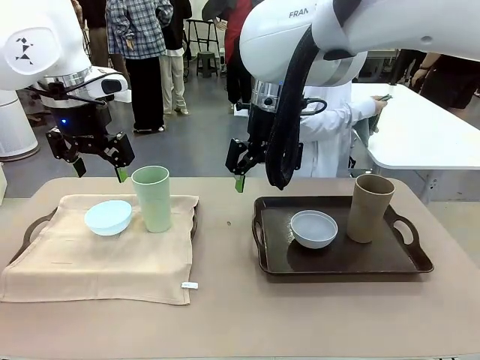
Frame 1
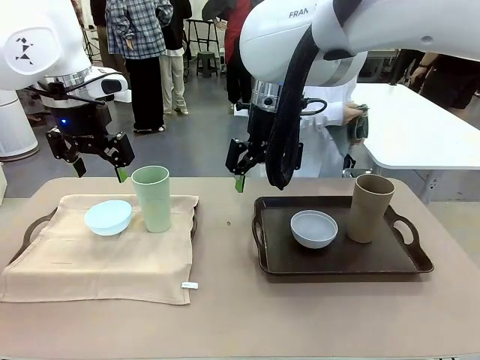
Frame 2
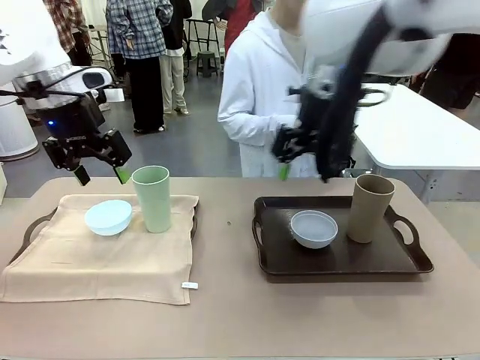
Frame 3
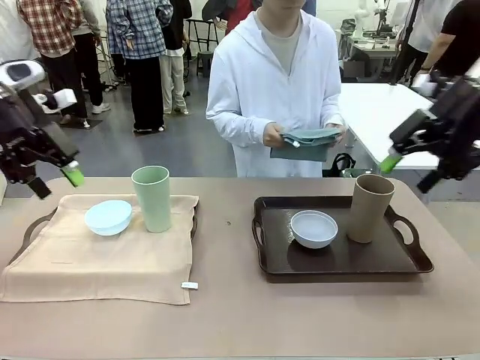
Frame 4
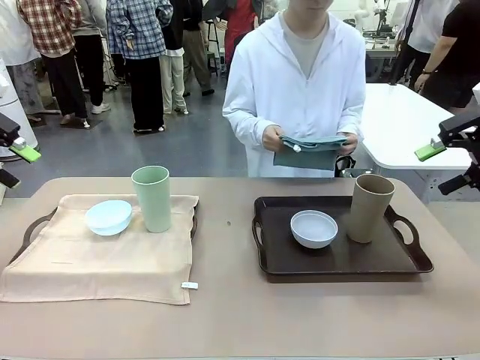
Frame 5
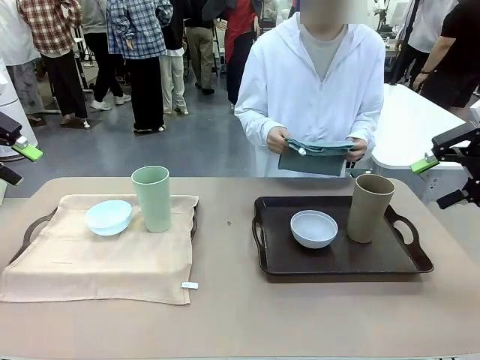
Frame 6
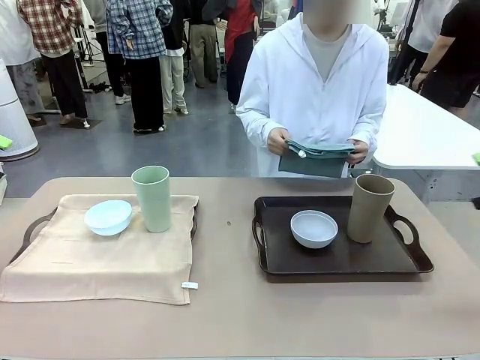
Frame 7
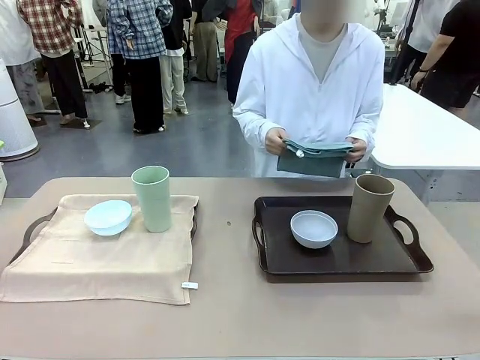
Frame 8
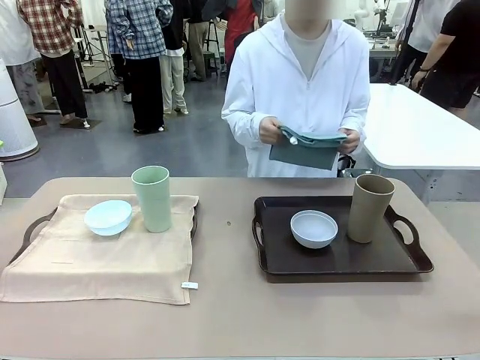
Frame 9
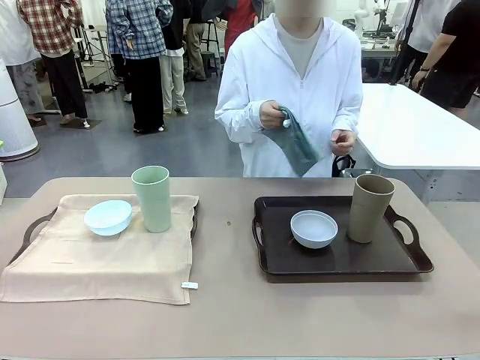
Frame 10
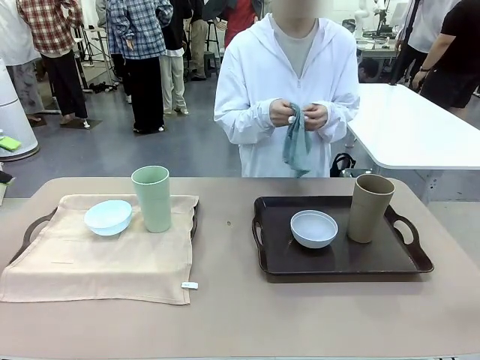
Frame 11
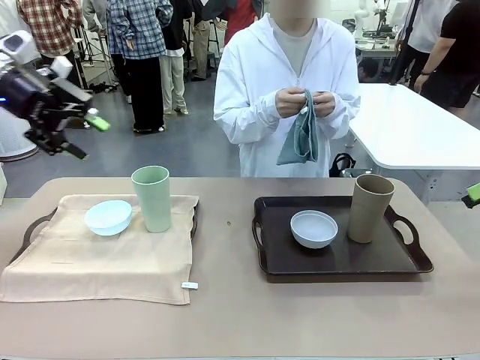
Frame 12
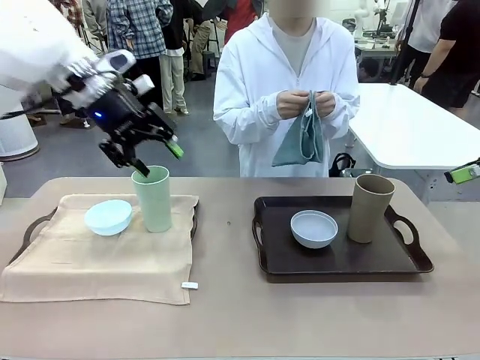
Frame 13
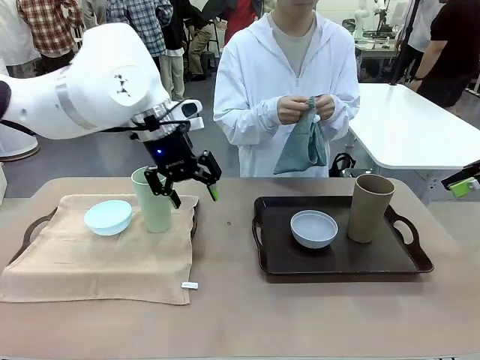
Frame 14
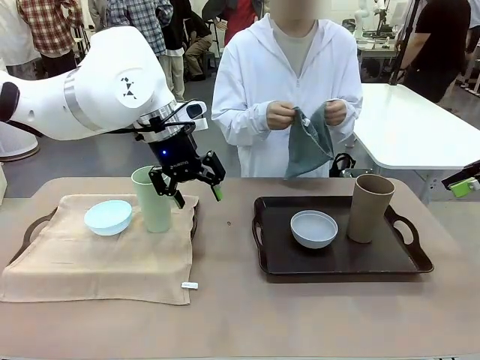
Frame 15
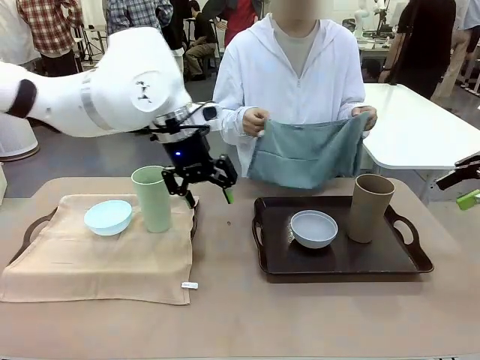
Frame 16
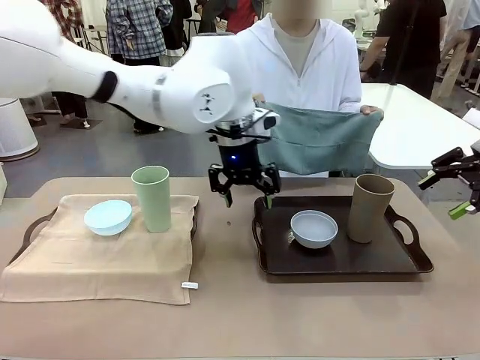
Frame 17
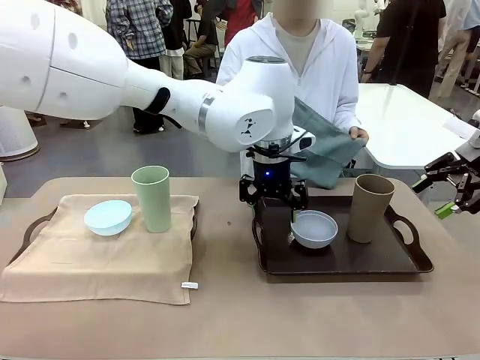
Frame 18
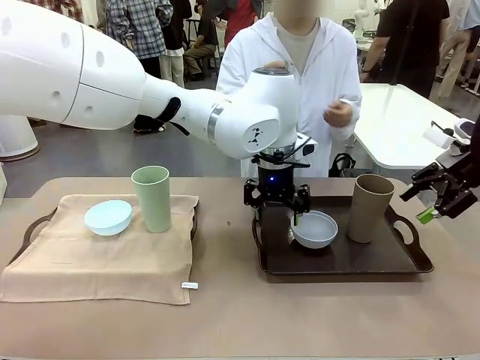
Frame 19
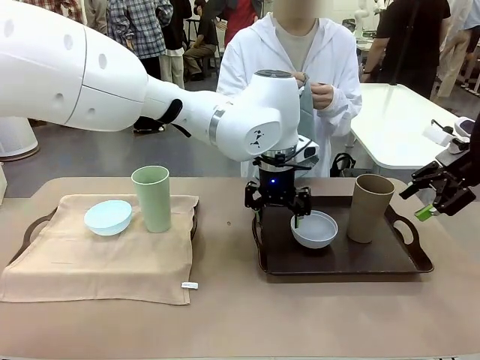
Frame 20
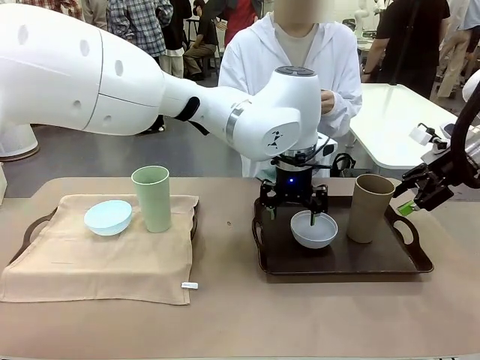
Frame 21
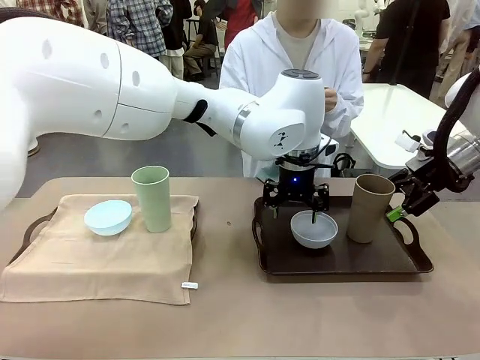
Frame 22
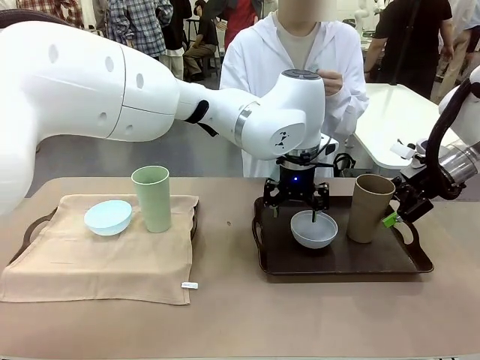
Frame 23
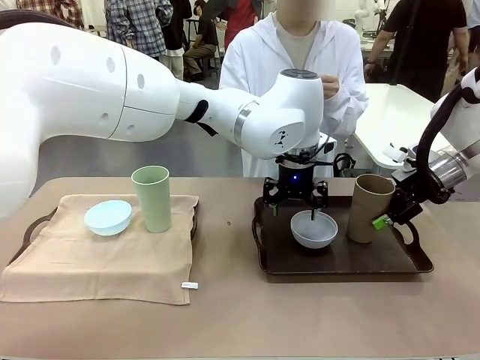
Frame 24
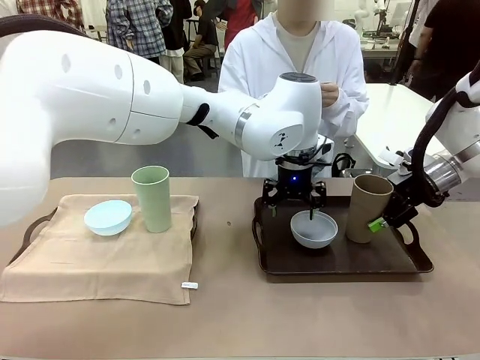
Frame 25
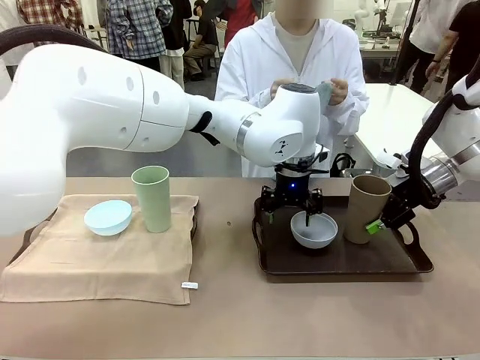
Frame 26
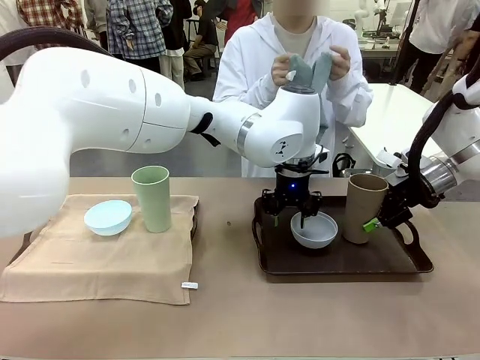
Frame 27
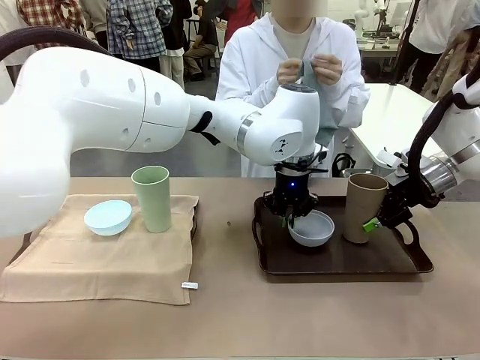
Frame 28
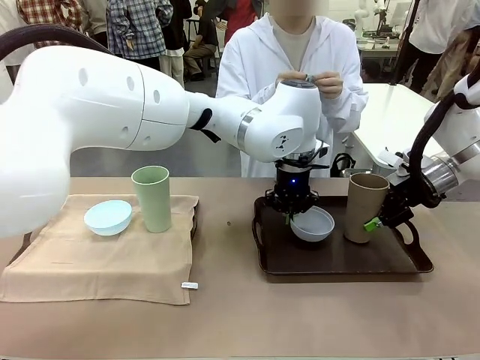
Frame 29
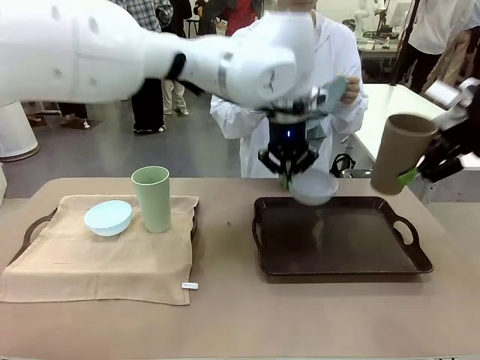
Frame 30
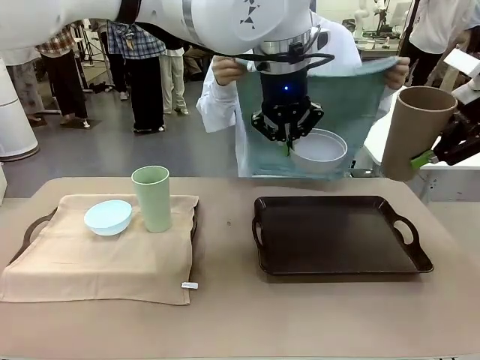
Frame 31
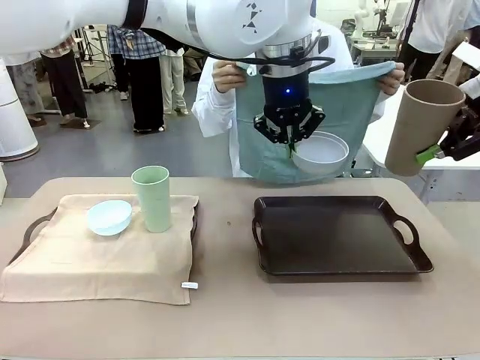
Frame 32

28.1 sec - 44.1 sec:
Robot: Pick up the Picnic Bowl and Reusable plastic cup from the Handle tray in front of the human's position and hold them in the air.

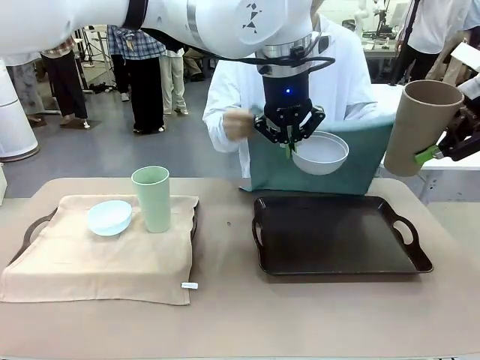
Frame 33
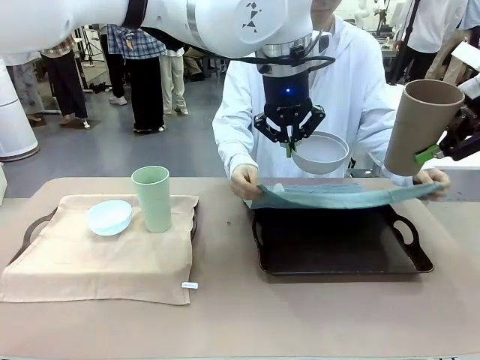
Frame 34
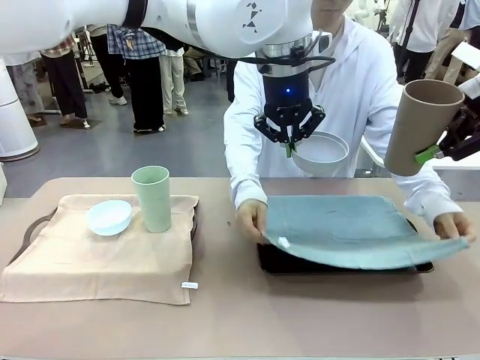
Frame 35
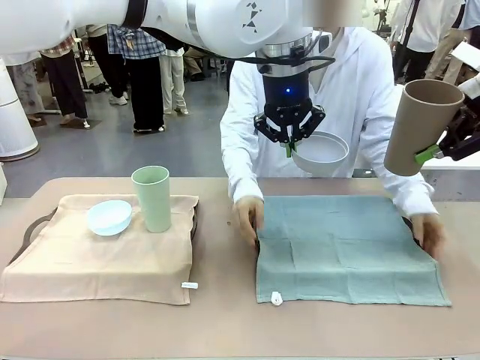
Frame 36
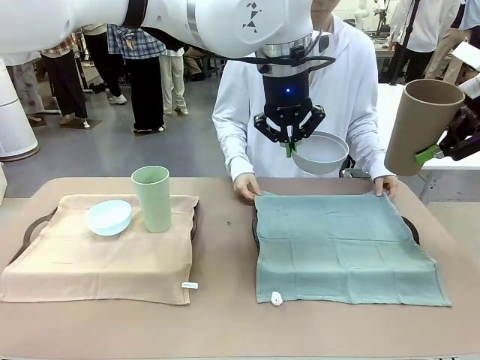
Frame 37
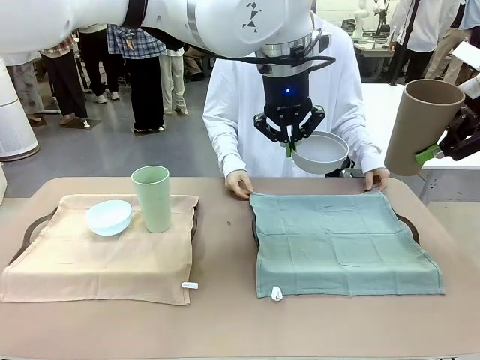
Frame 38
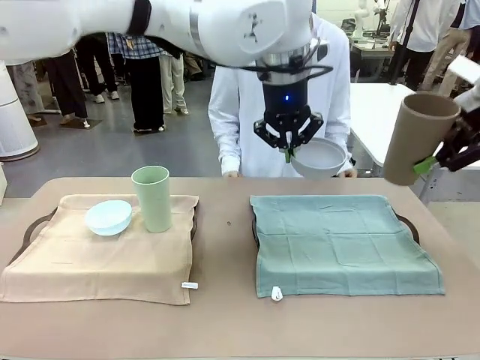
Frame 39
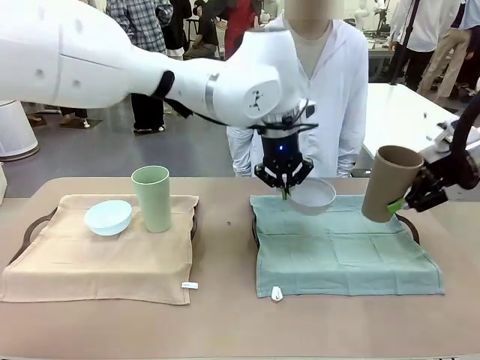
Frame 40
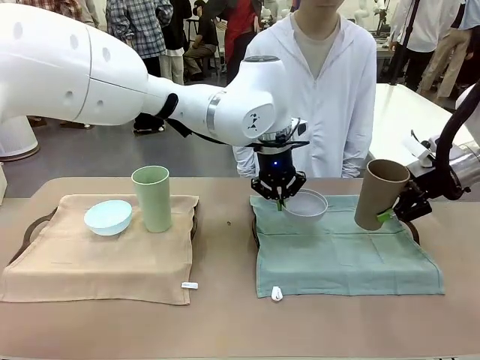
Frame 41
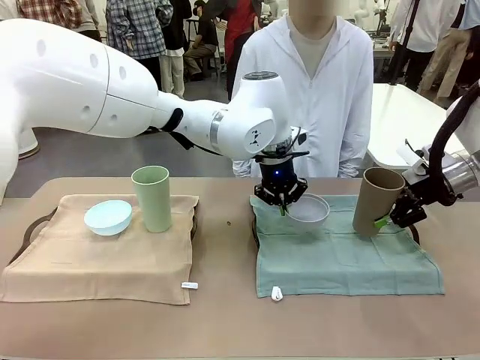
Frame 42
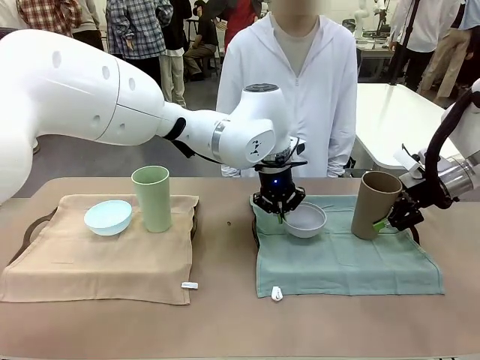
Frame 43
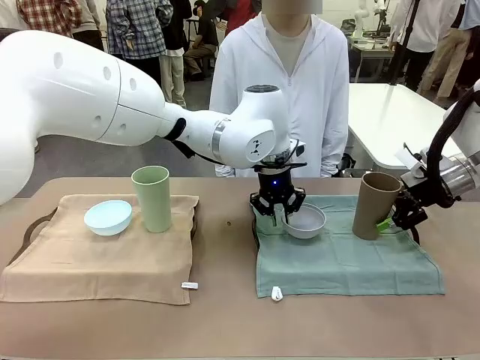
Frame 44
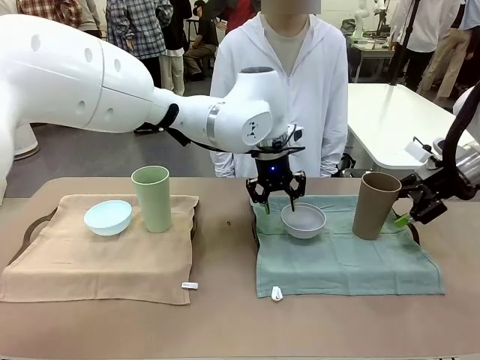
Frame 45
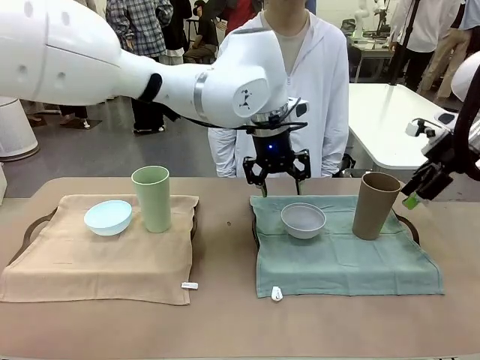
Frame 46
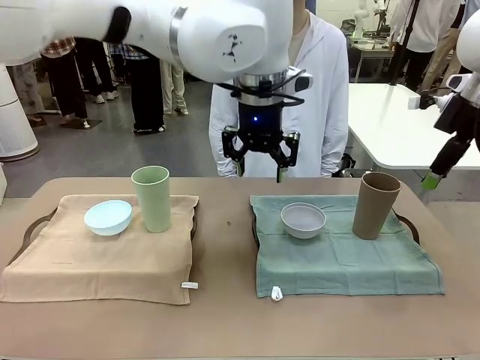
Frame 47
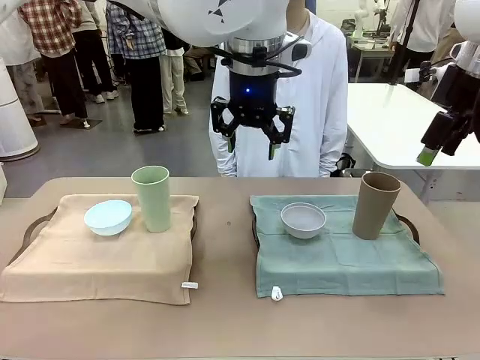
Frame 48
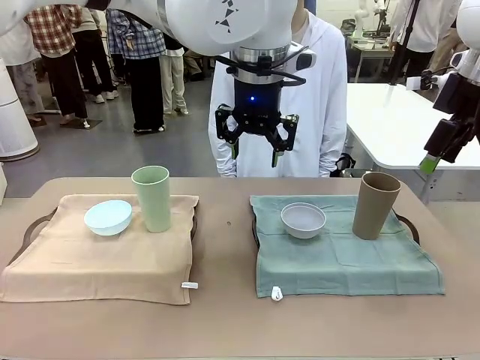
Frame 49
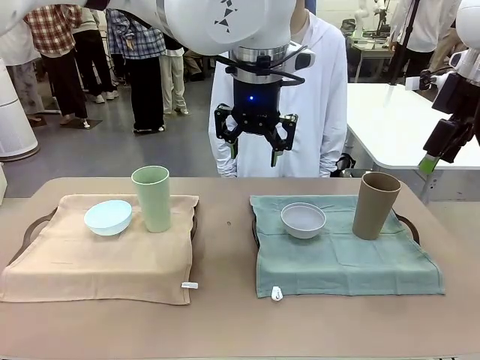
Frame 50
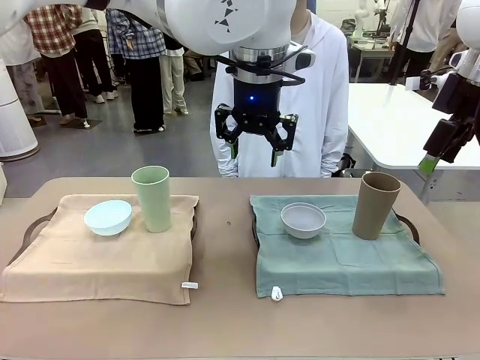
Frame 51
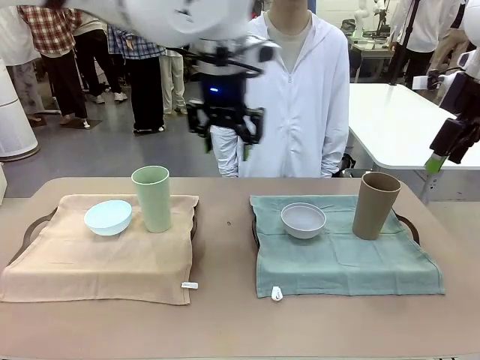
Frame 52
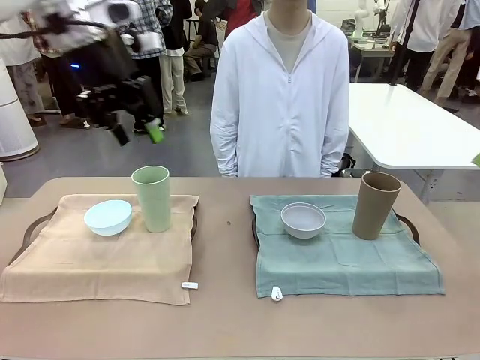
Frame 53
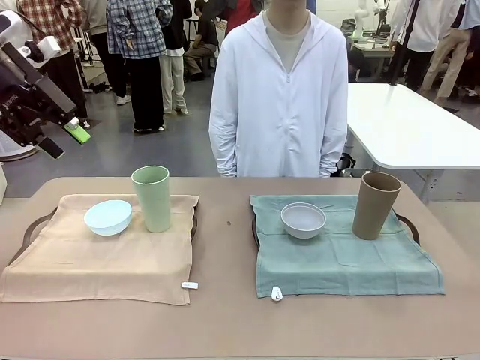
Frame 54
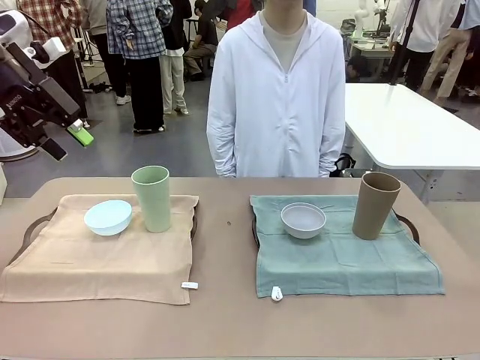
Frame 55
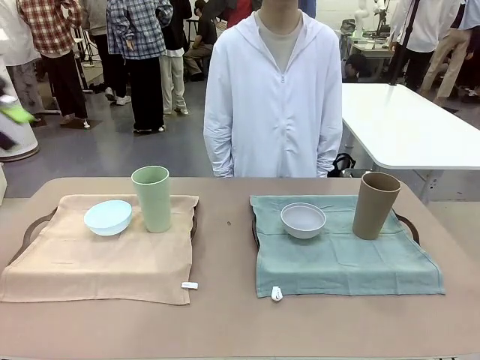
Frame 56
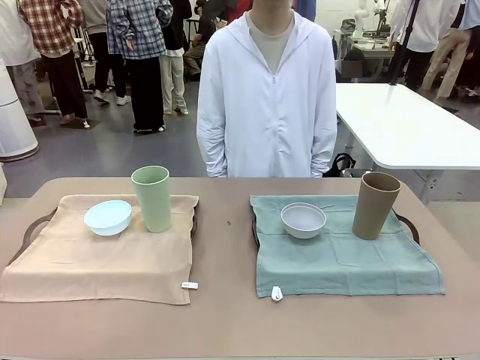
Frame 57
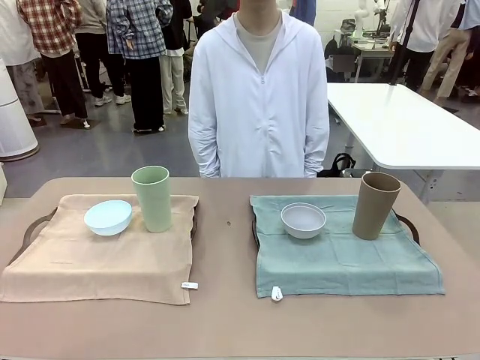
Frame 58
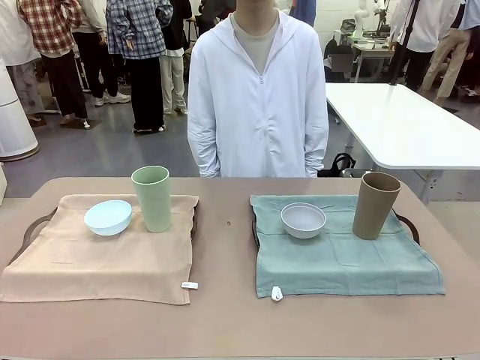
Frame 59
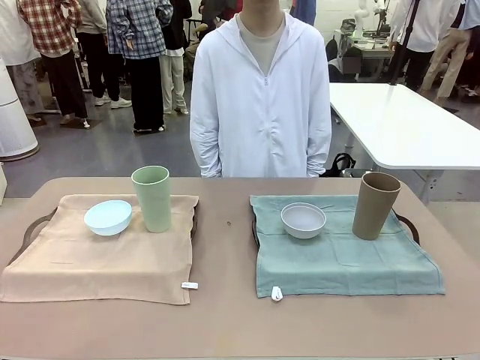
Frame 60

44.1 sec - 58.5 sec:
Robot: Place the Picnic Bowl and Reusable plastic cup back onto the Handle tray in front of the human's position.
Person: When the robot lifts the bowl and the cup, the human unfolds the napkin and lays the napkin flat on the tray.
